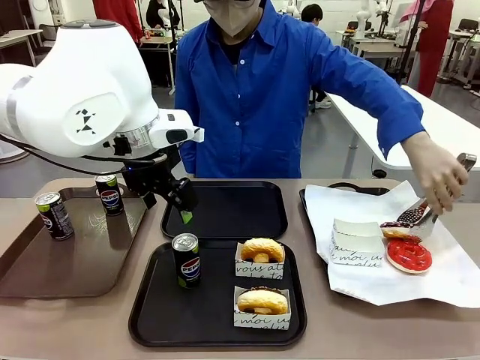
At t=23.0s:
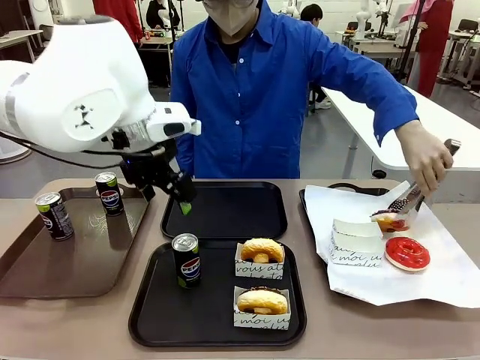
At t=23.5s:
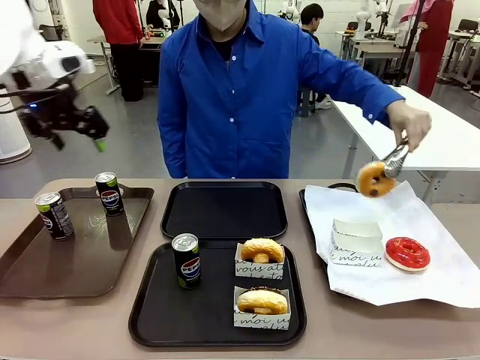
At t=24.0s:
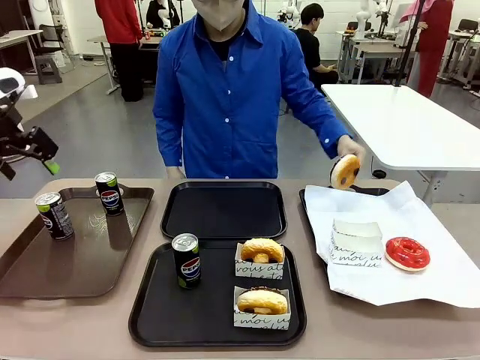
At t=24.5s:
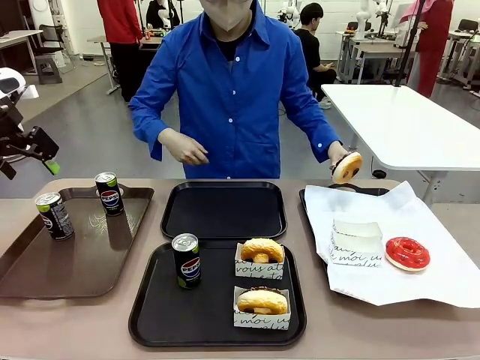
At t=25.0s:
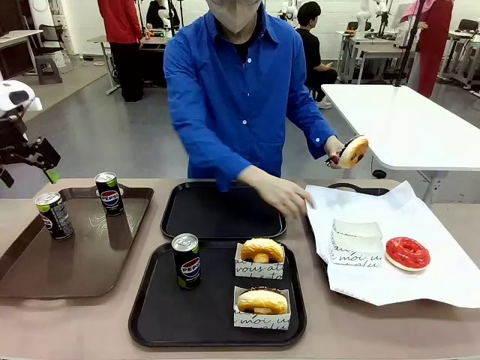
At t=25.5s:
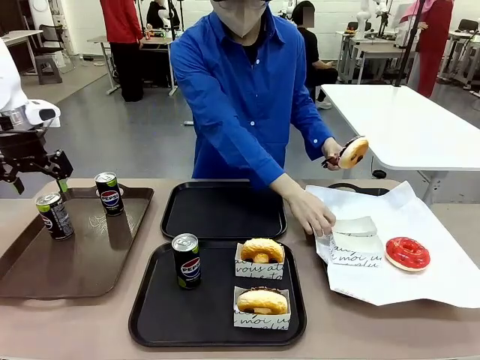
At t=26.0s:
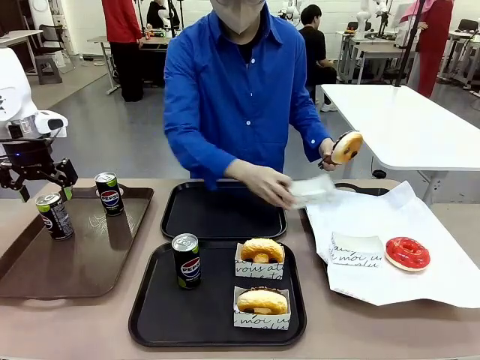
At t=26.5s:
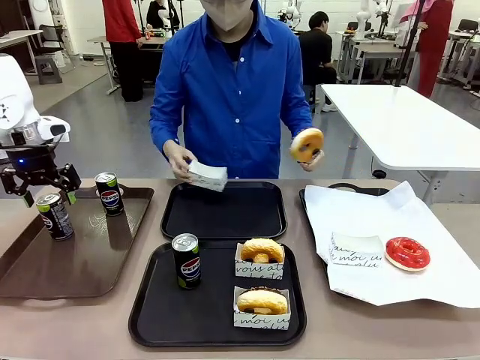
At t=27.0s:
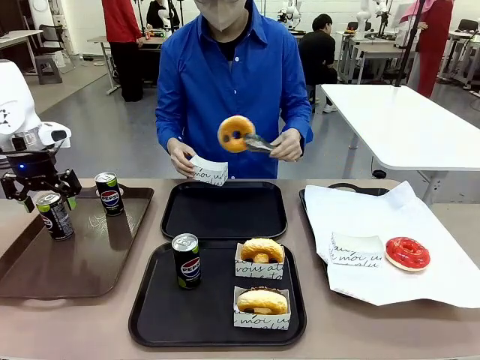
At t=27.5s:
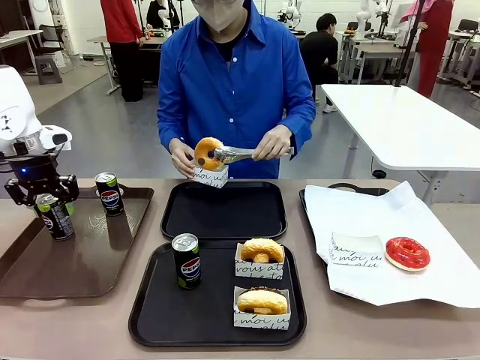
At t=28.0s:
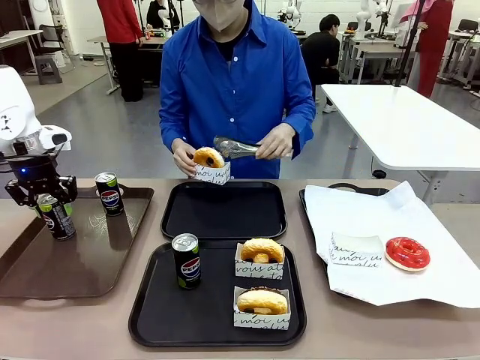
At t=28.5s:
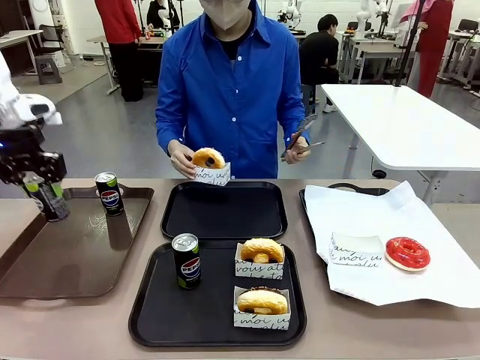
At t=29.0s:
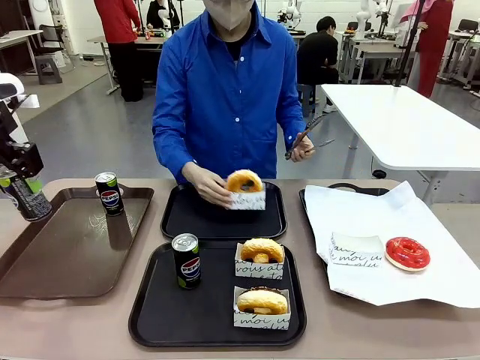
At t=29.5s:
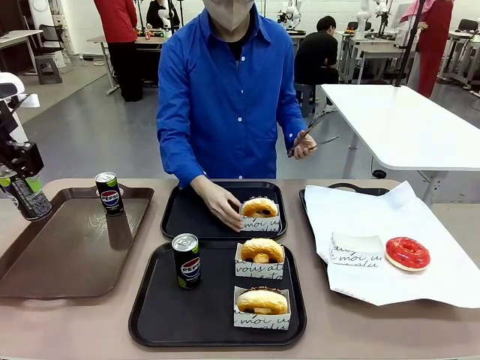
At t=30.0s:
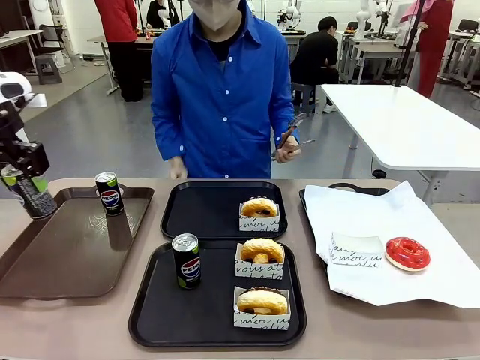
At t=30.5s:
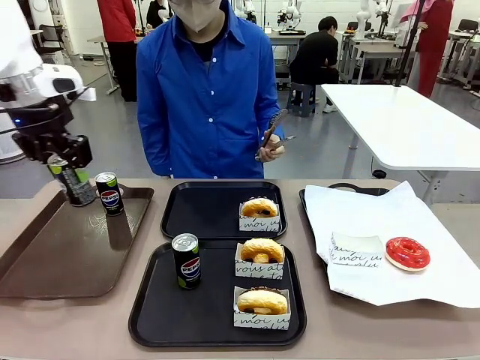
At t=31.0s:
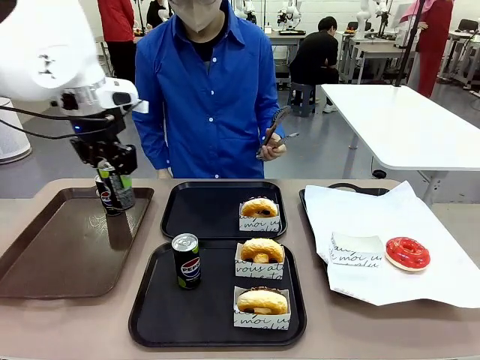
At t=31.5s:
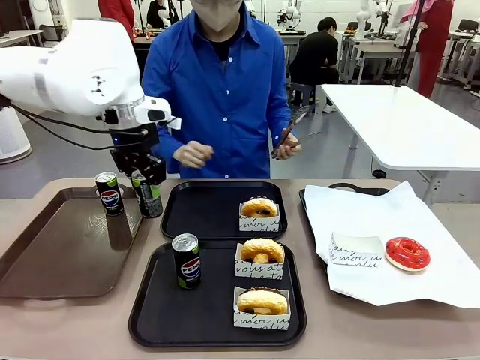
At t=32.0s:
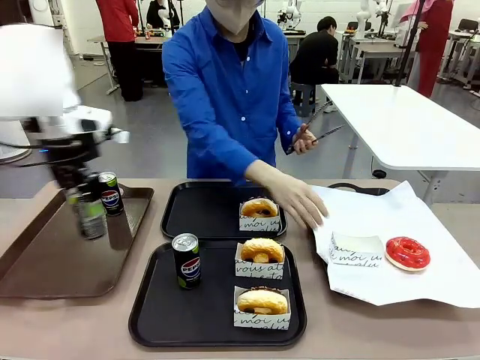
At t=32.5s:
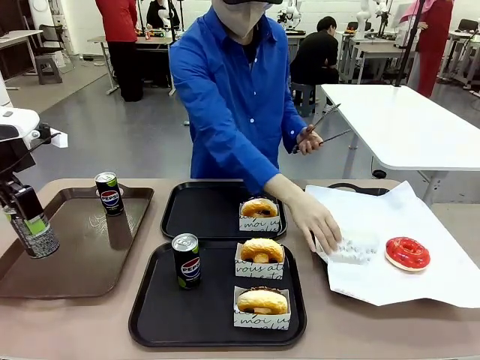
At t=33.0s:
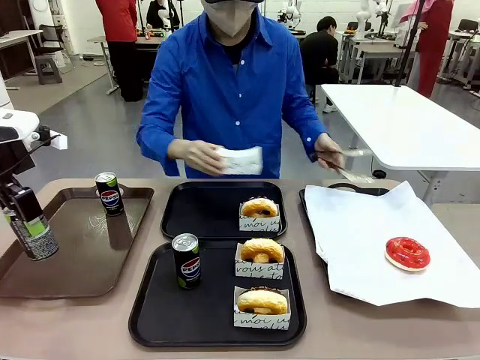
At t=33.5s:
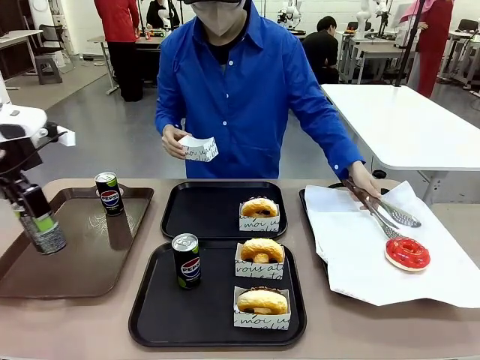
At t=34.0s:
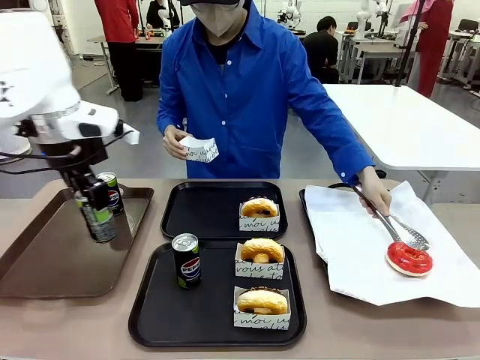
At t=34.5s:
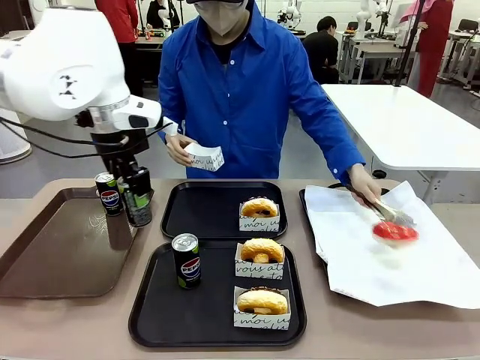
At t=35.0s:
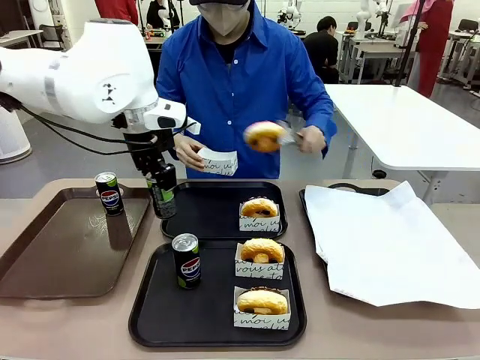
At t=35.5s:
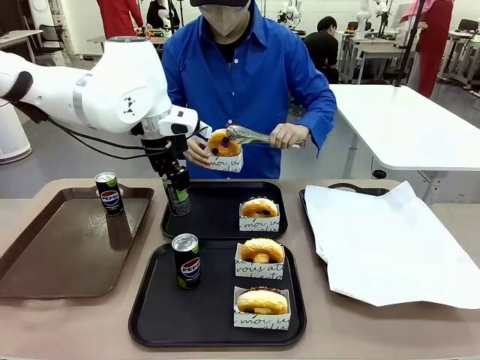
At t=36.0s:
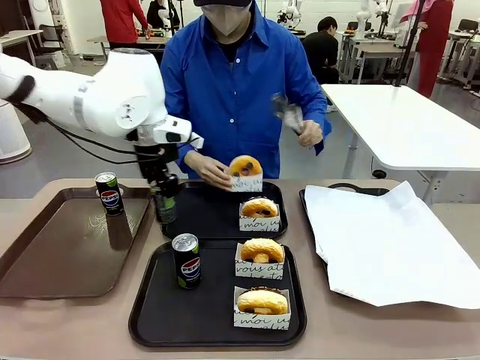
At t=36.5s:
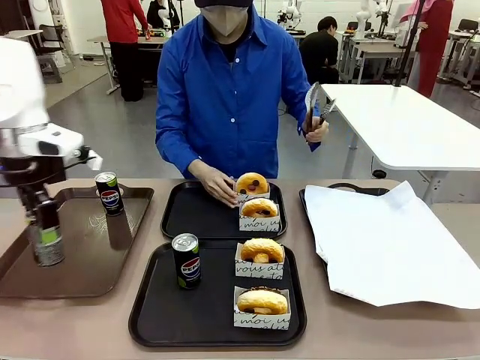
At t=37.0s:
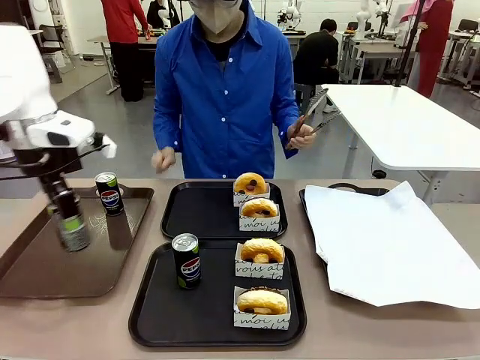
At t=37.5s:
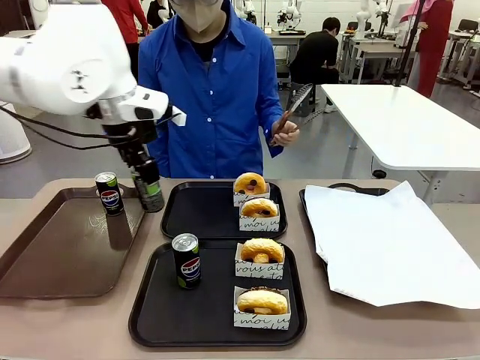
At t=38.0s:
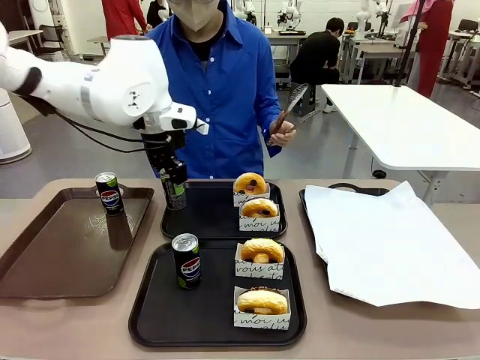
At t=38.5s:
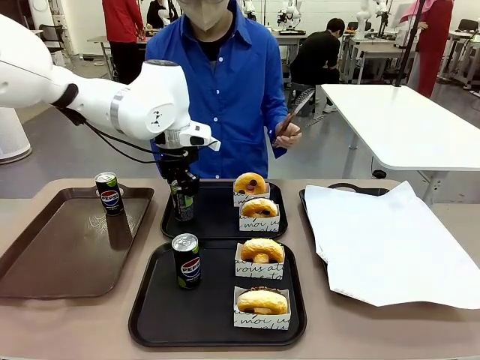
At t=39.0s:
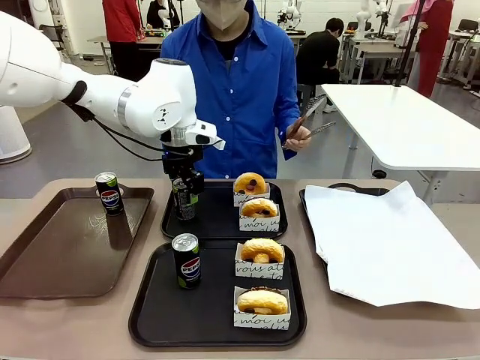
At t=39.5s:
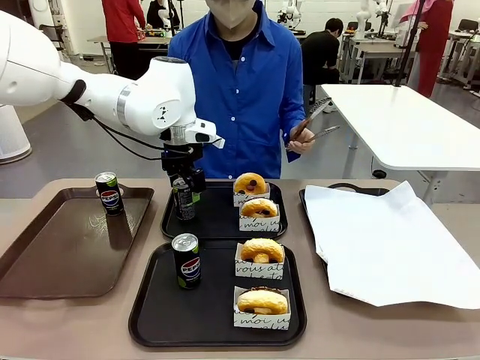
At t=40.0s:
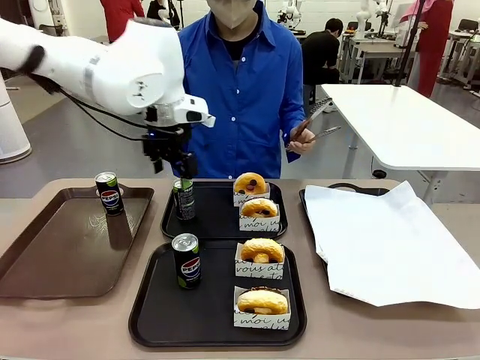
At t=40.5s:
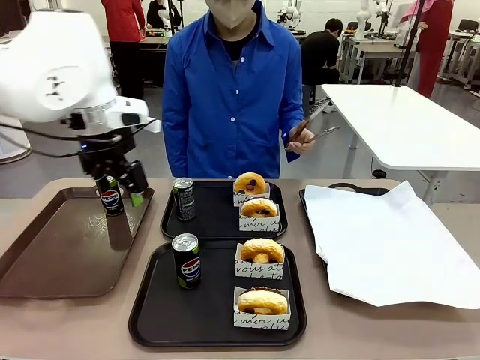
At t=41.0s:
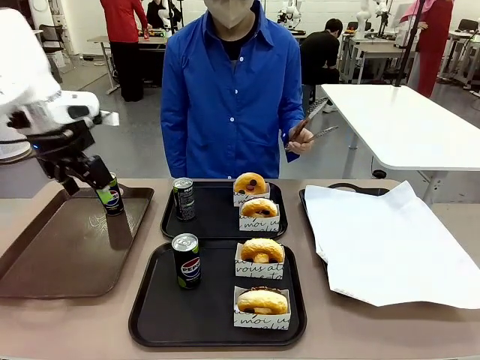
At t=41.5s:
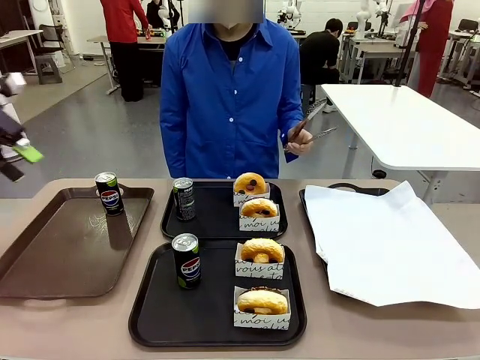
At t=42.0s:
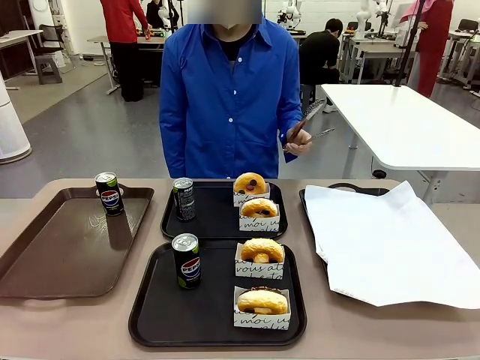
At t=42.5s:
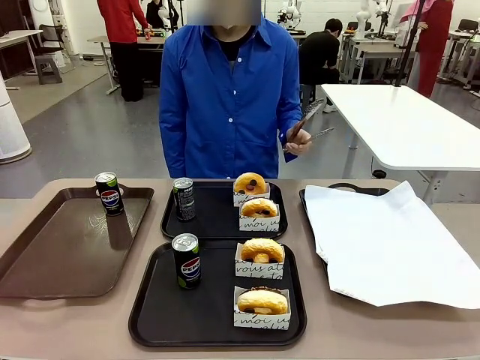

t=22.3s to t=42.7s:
Task: Set up donuts and drinks on trays.
Robot: Pick up one Pepsi coke from the Handle tray and place it on the Flat Tray without a Pepsi coke.

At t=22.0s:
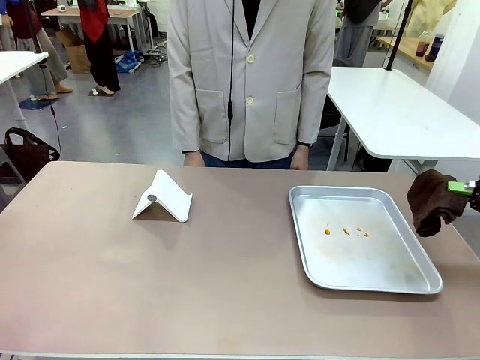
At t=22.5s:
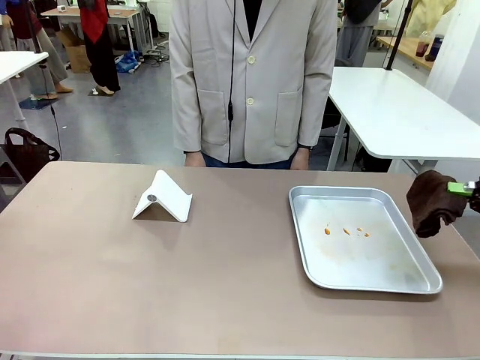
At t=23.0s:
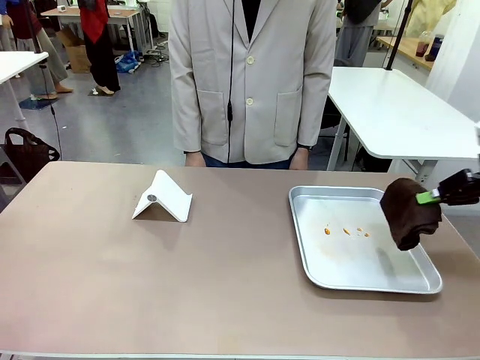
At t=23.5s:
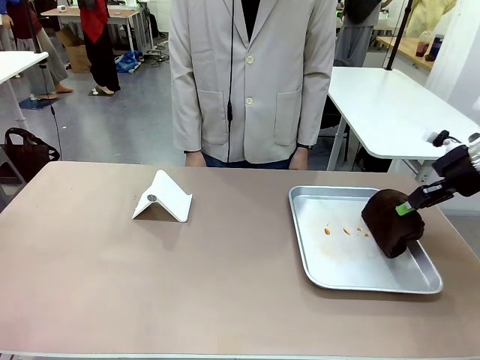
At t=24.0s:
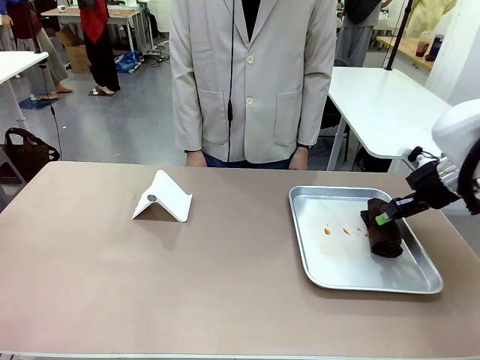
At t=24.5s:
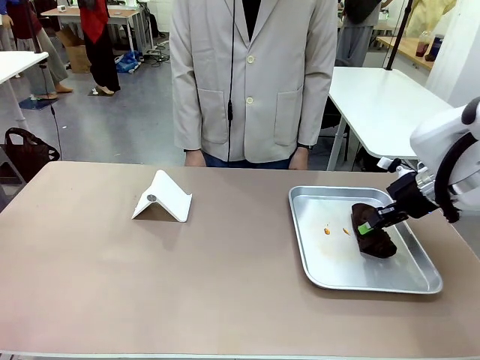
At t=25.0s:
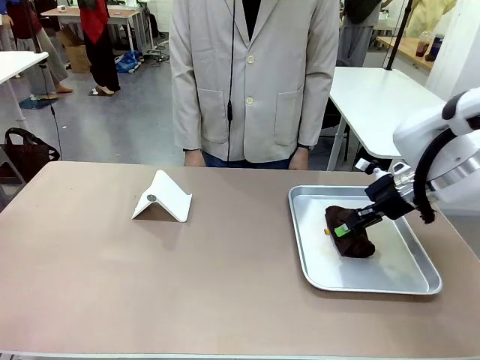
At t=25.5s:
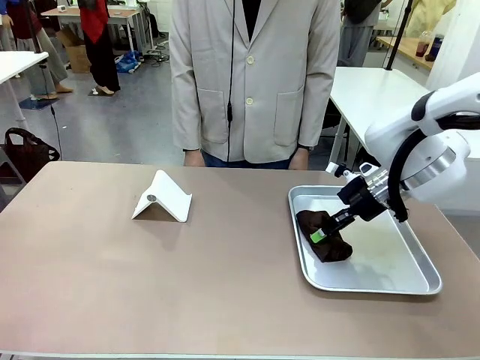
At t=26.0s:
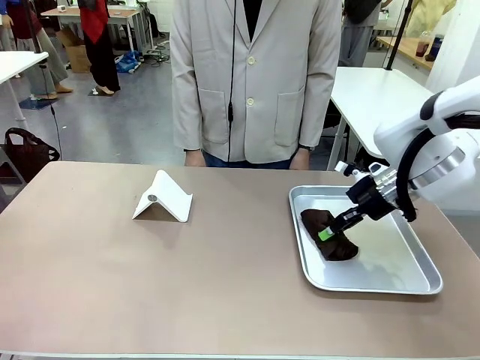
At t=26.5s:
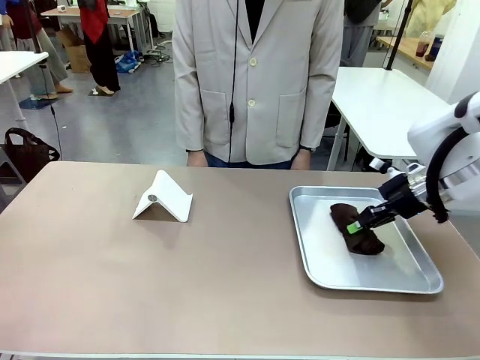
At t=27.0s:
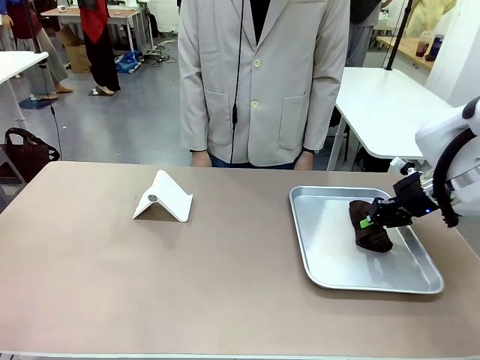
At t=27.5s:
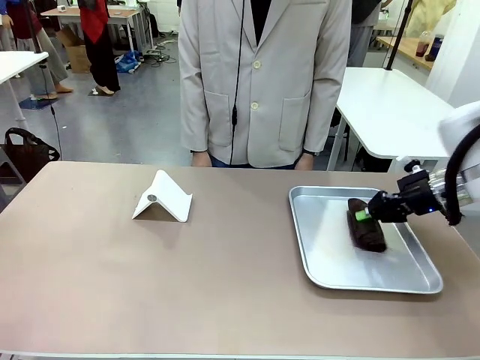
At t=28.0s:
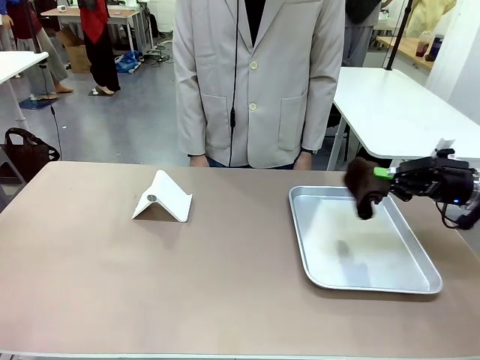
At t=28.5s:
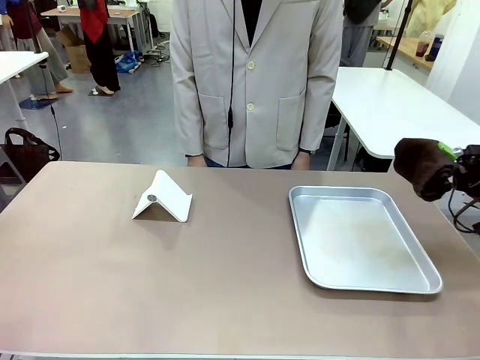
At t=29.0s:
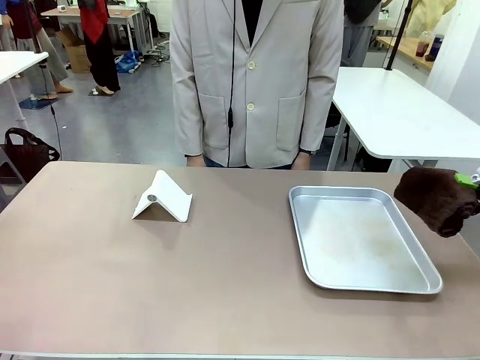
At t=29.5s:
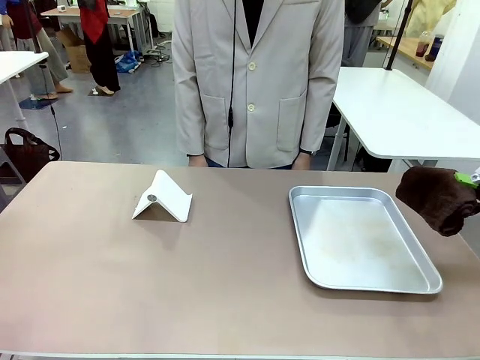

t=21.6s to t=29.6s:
Task: Clean the surface of the table.
Robot: Clean the area not pointed to by the person.
